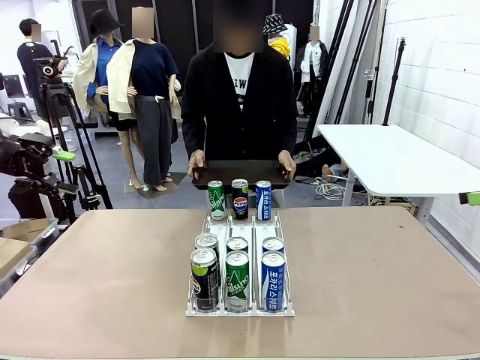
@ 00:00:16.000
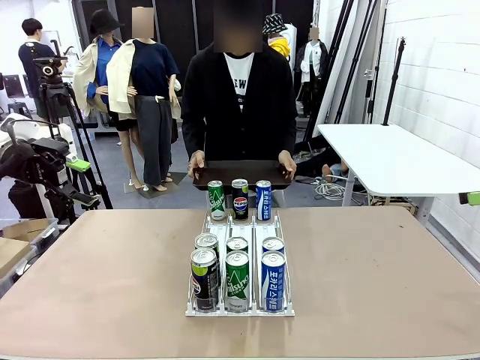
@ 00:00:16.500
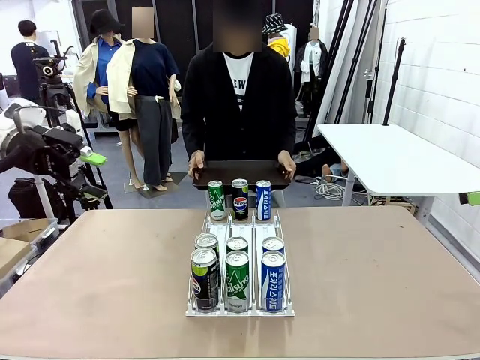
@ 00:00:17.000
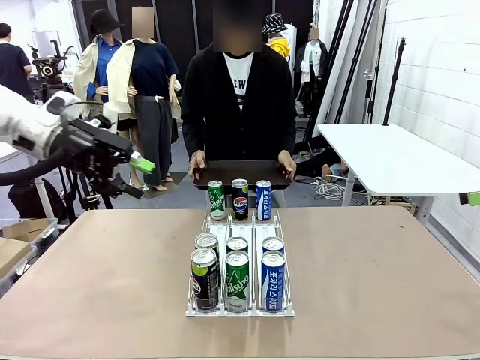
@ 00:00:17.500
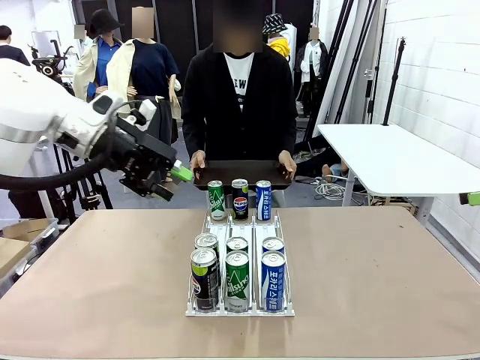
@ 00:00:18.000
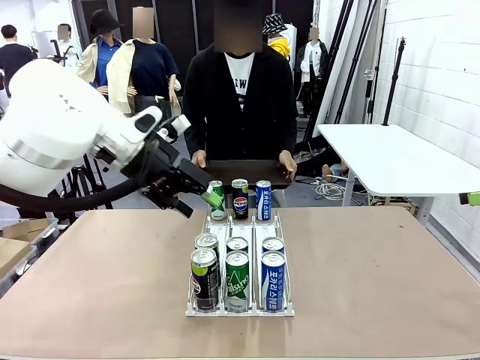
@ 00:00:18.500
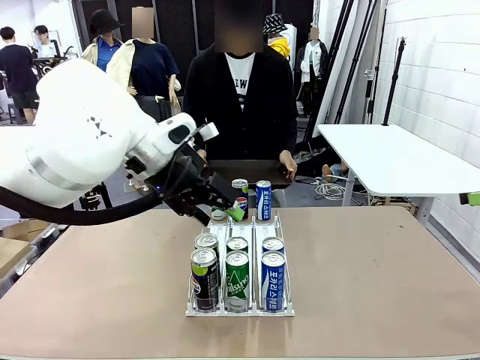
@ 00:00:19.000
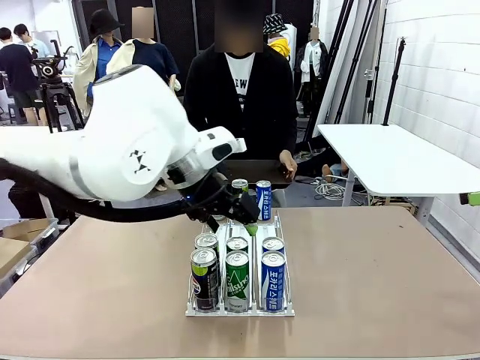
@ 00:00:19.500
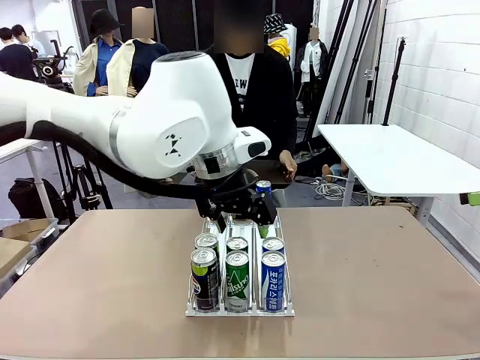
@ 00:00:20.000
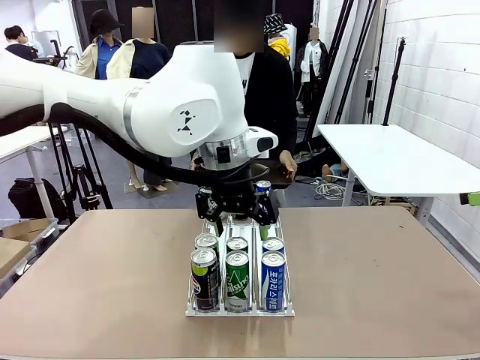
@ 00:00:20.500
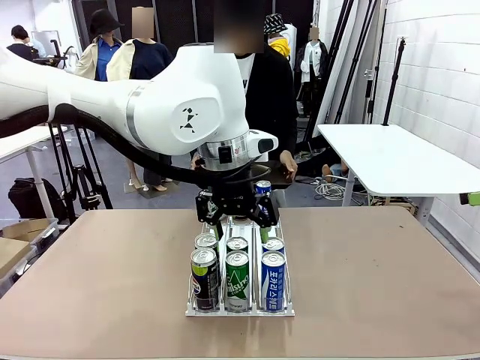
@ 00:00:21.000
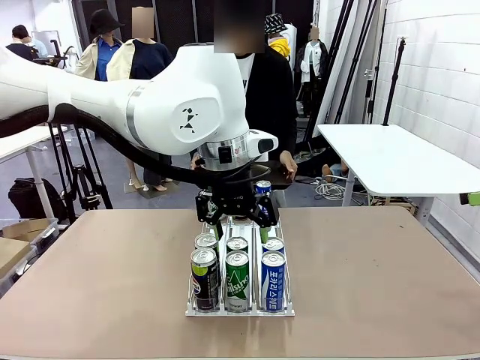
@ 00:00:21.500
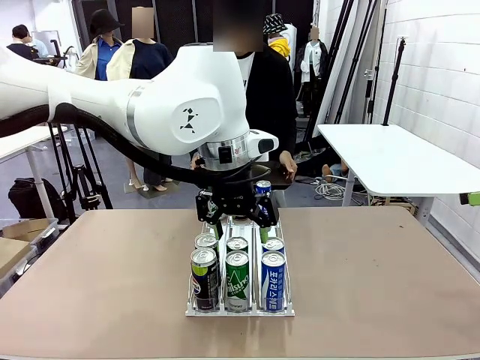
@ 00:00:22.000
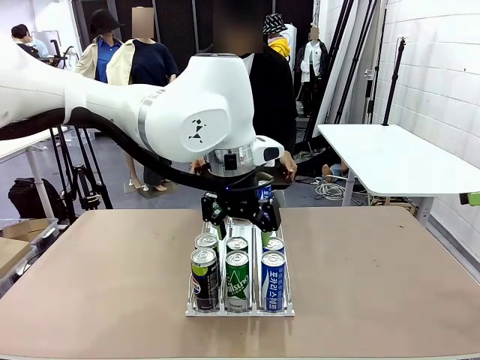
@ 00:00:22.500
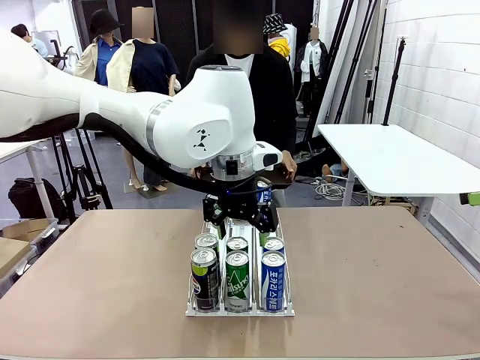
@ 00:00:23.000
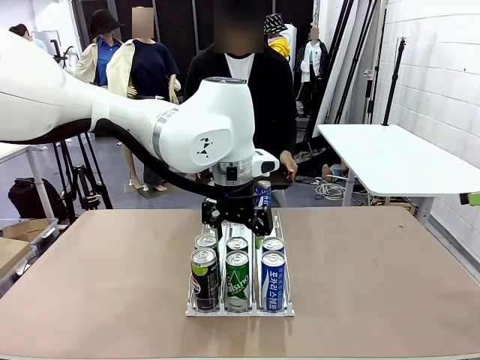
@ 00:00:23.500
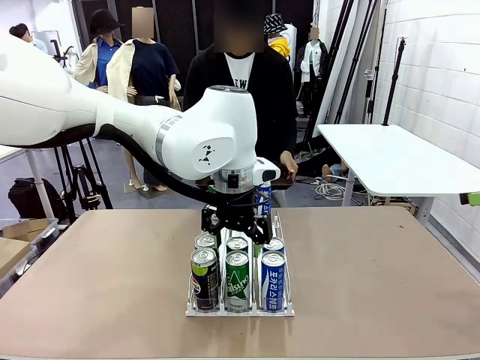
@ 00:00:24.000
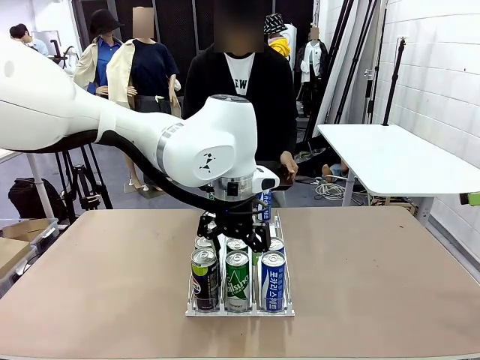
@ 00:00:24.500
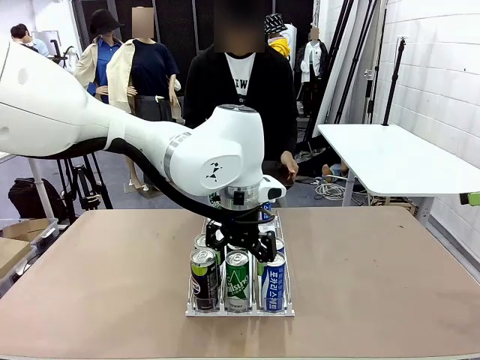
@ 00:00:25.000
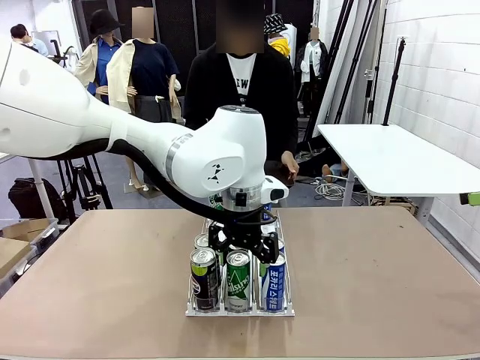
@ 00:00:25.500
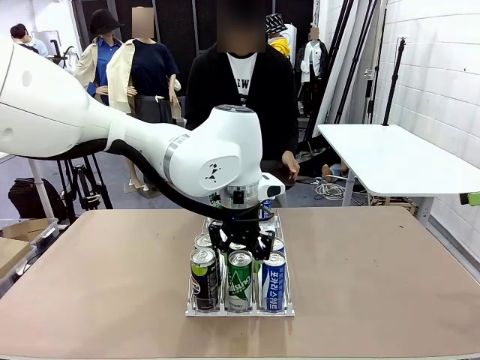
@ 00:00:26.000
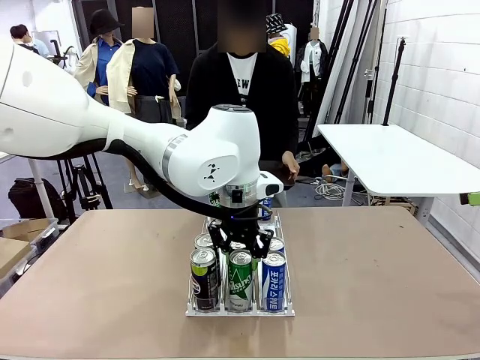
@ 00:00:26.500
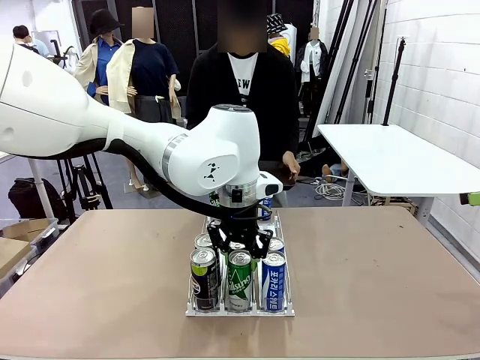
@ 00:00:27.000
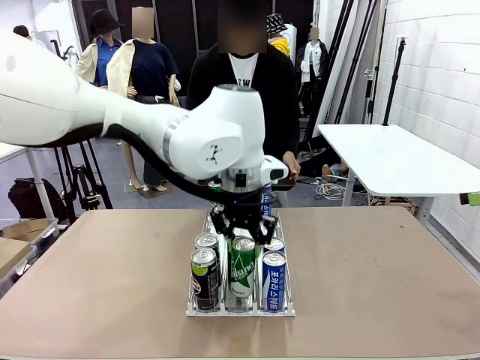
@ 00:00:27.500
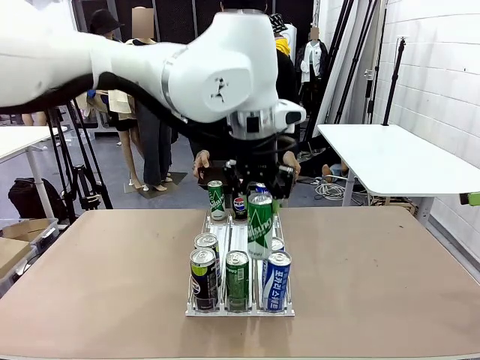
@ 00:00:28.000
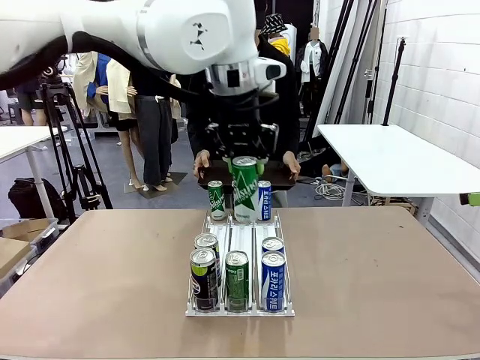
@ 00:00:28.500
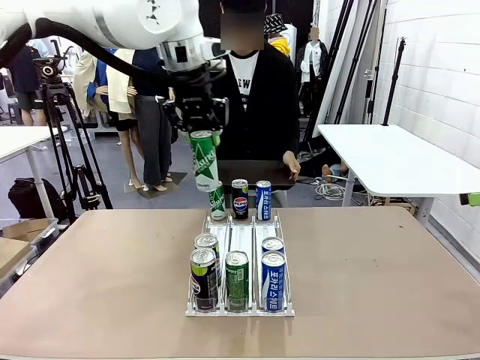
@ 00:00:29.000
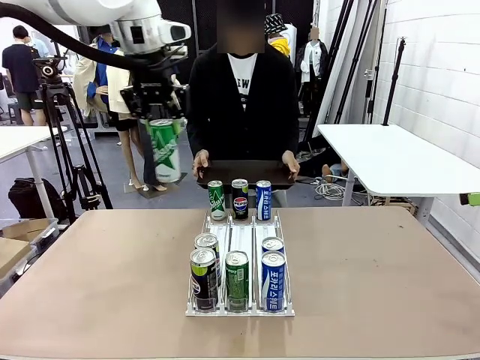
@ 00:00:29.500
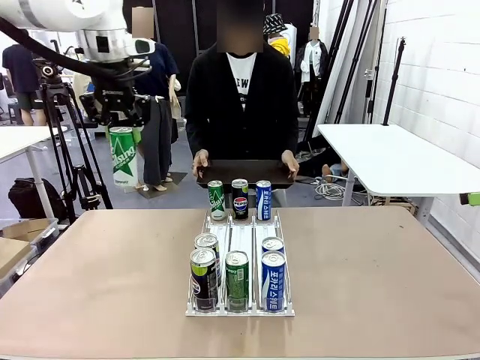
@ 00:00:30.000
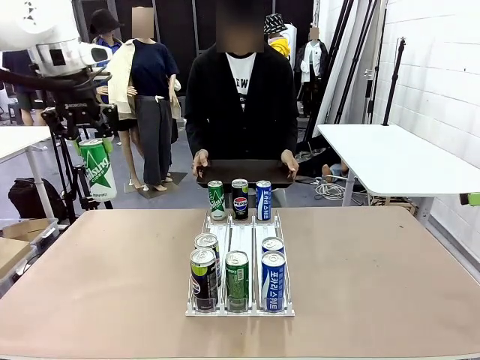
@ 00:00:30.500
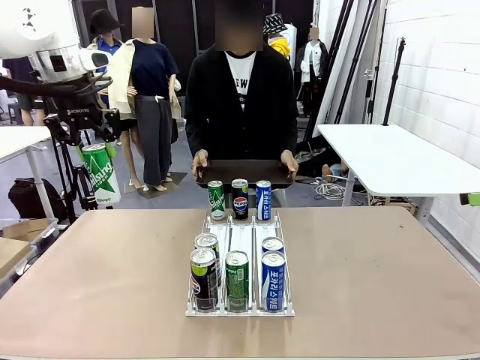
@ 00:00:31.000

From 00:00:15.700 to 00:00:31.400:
Task: Retrieve and hand over the desired beverage to the person.
Robot: Pick up a can of the same type that the person held from the Automatic Can Dispenser.
Person: Push the tray toward the robot.

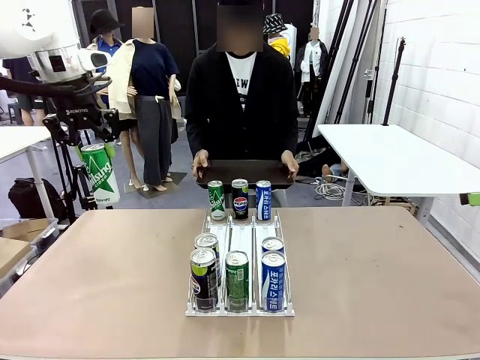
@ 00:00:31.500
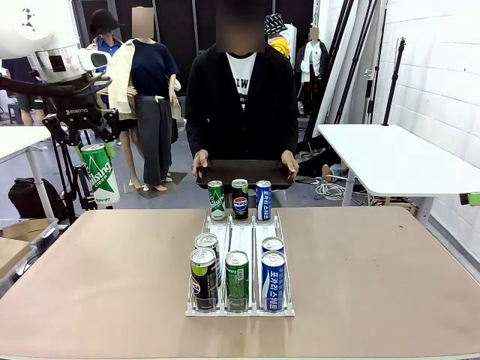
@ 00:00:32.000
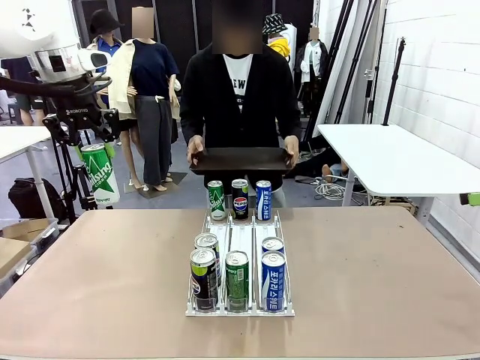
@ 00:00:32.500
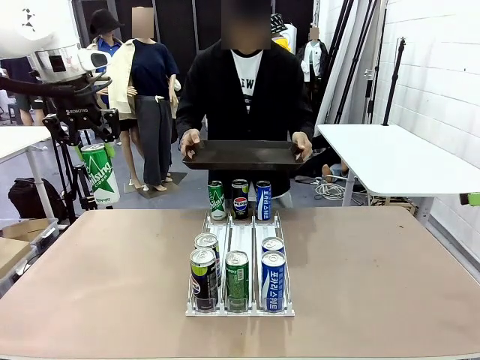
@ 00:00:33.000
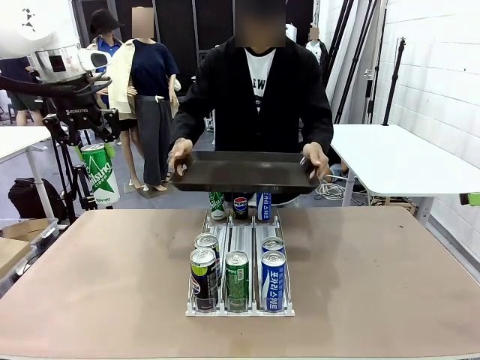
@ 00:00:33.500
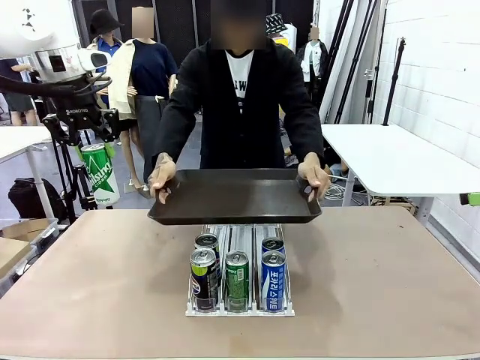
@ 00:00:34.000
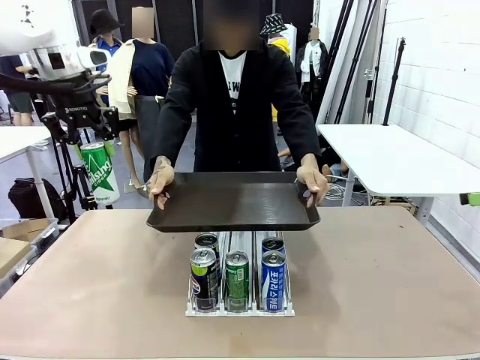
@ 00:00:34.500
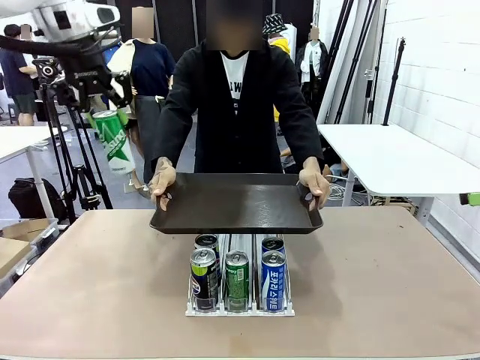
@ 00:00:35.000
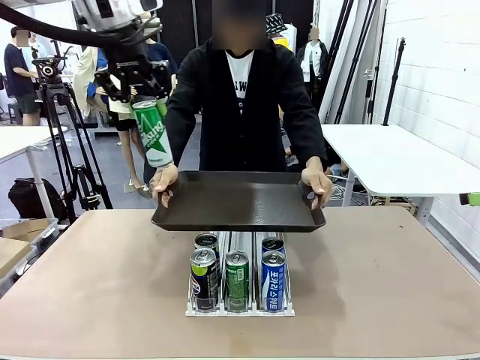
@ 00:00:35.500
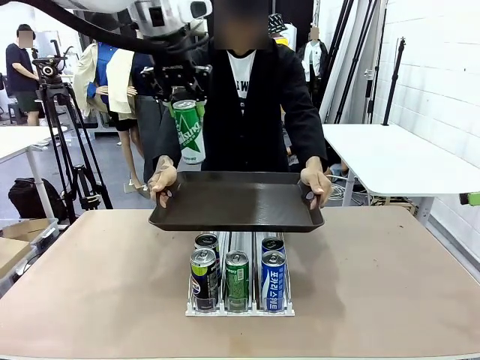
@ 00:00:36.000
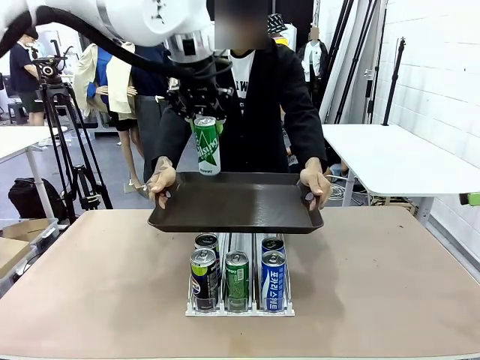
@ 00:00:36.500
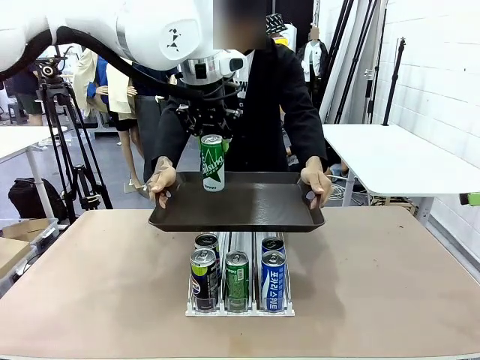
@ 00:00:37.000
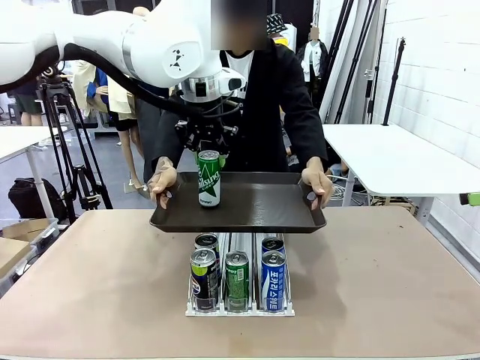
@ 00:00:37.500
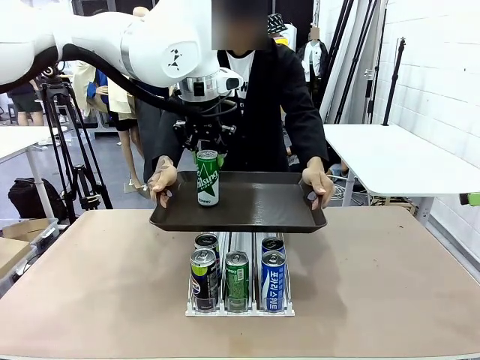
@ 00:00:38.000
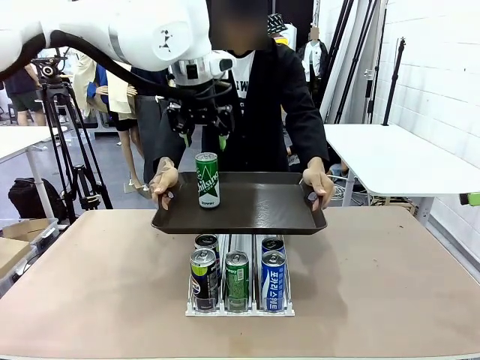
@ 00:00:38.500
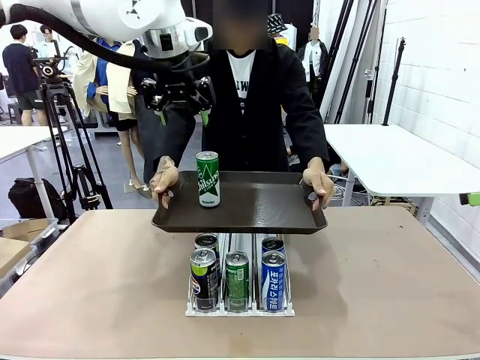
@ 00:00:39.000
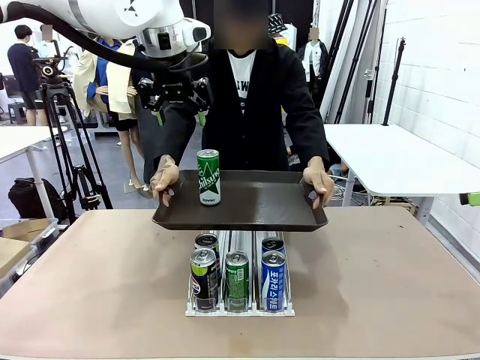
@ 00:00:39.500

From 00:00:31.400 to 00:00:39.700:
Robot: Place the picked can on the Handle tray extended by the person.

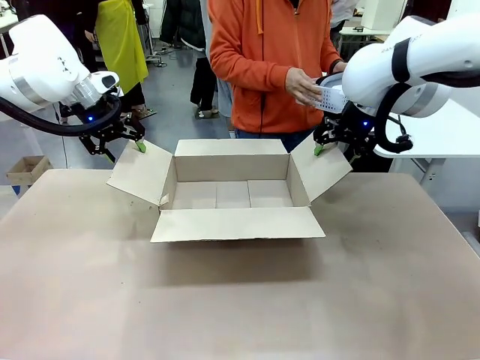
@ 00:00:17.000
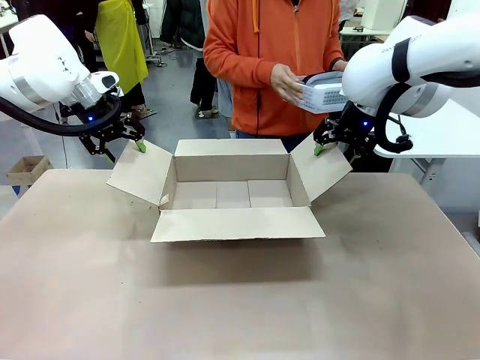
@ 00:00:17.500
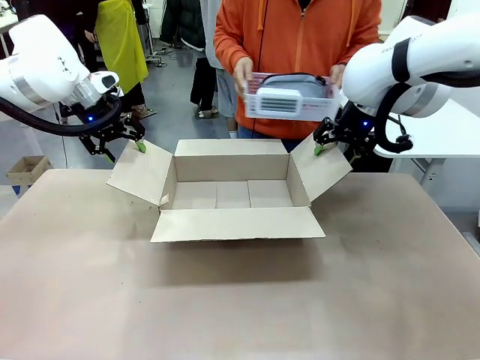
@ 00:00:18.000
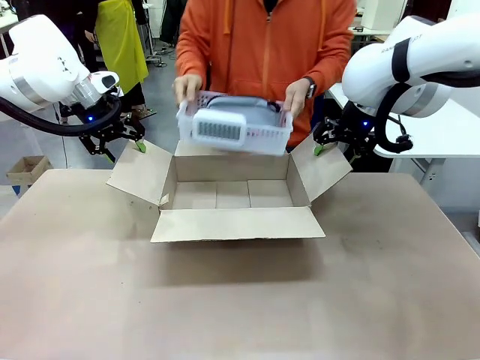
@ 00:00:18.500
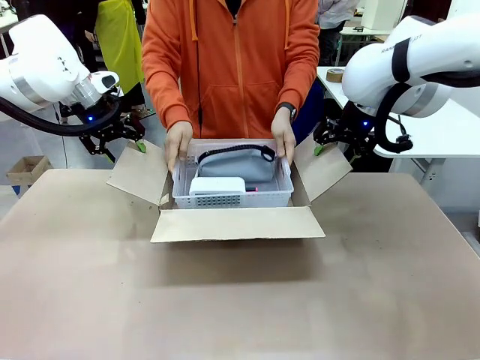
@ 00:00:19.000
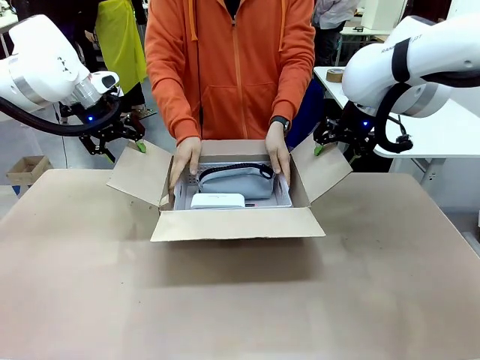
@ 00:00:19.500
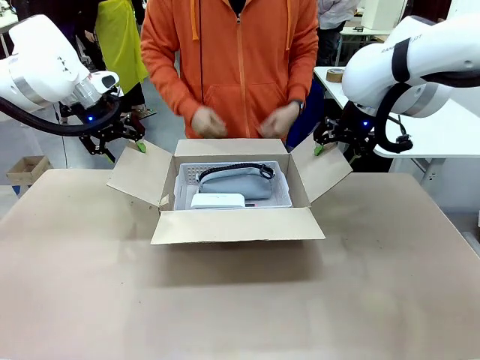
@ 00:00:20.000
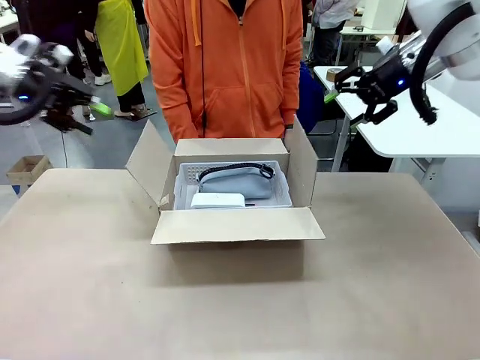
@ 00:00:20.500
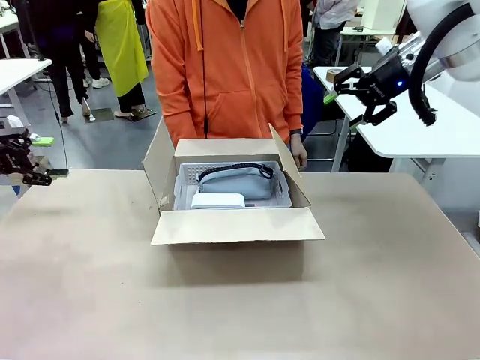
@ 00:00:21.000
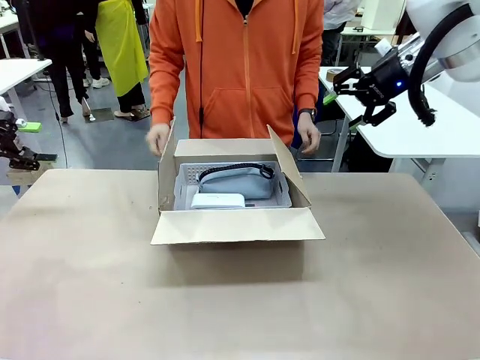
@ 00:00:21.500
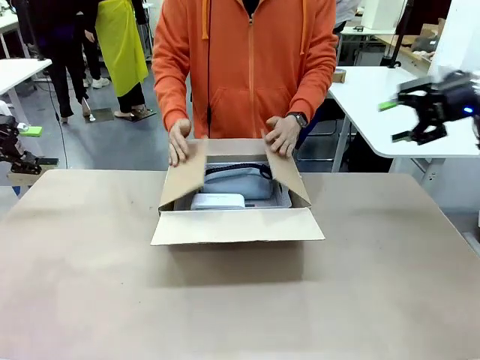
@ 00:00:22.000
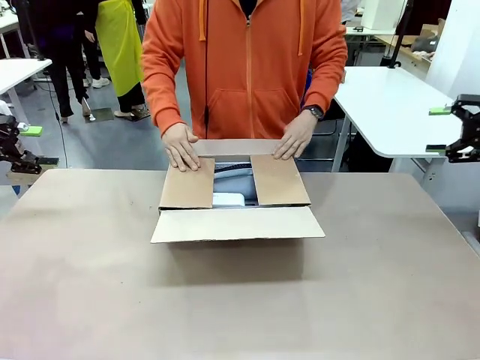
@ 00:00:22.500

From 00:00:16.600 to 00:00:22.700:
Task: Pack the gift set into the box.
Robot: Lift both hands away from the flaps of the Package Box.
Person: The human picks up the organizing basket and places the organizing basket into the package box on the robot table.
